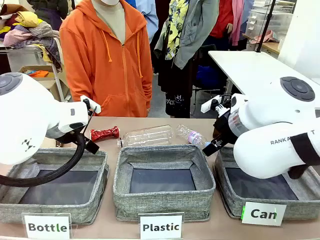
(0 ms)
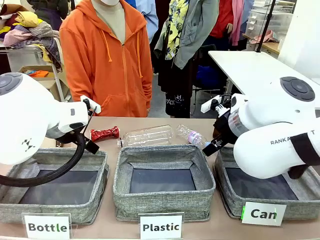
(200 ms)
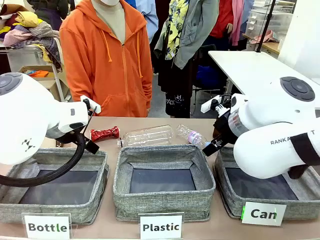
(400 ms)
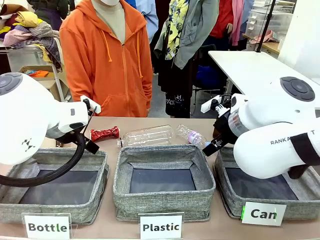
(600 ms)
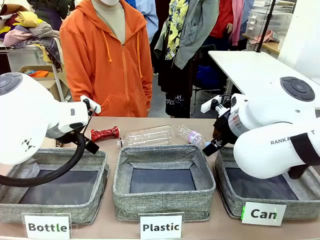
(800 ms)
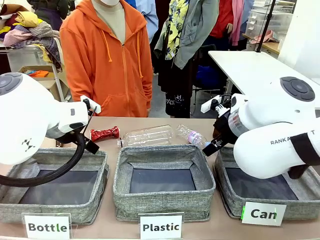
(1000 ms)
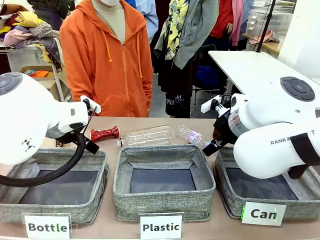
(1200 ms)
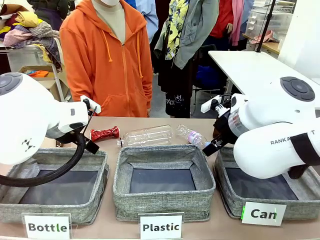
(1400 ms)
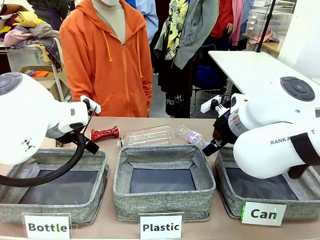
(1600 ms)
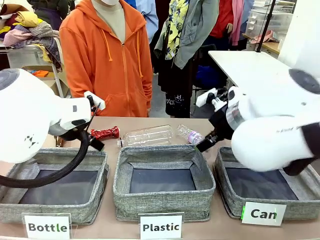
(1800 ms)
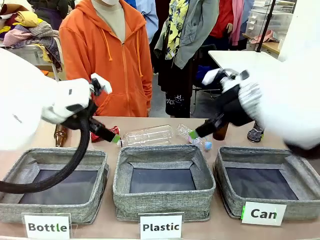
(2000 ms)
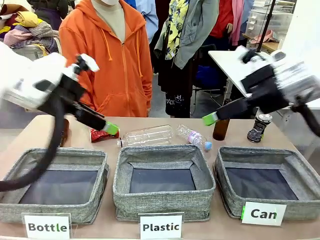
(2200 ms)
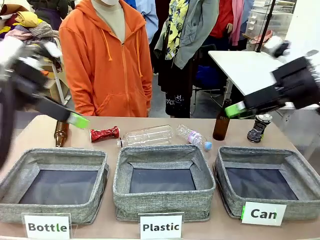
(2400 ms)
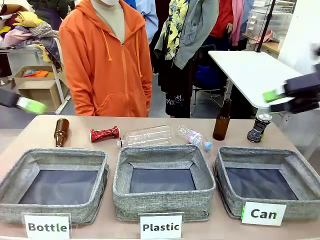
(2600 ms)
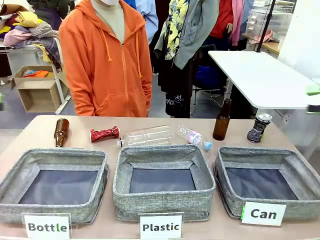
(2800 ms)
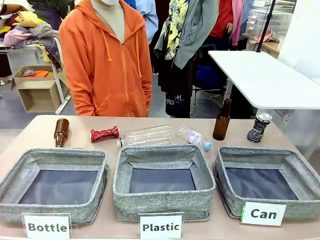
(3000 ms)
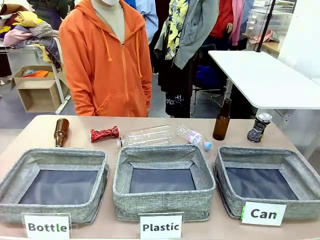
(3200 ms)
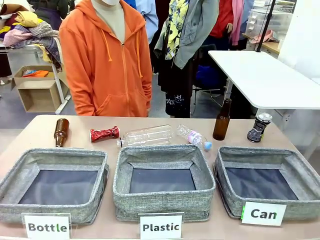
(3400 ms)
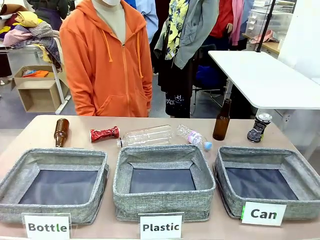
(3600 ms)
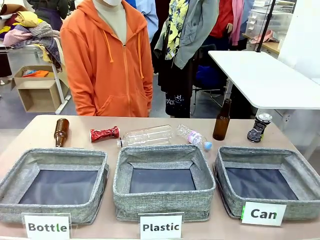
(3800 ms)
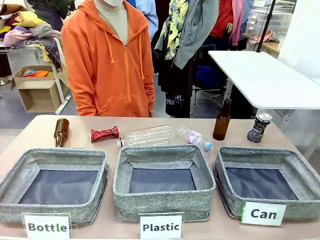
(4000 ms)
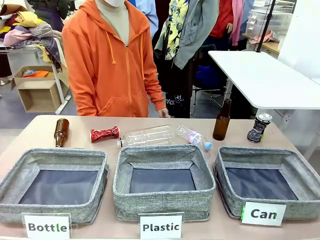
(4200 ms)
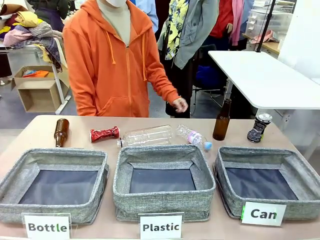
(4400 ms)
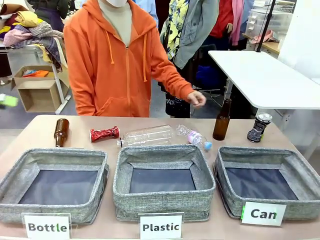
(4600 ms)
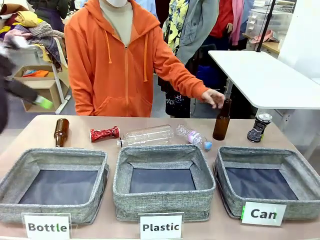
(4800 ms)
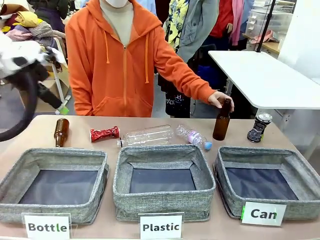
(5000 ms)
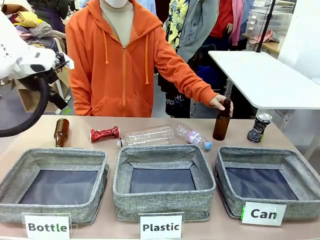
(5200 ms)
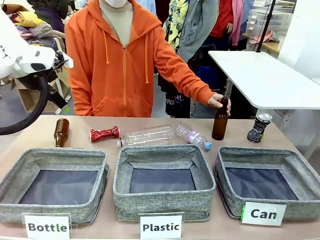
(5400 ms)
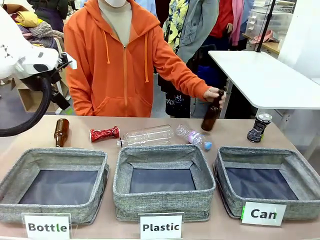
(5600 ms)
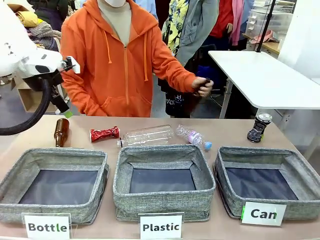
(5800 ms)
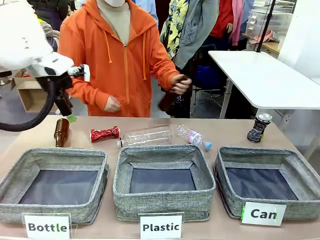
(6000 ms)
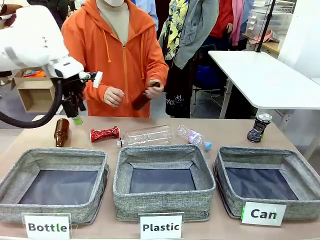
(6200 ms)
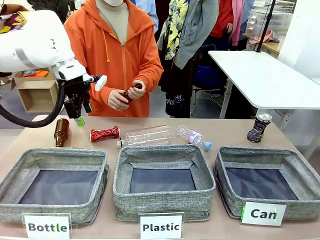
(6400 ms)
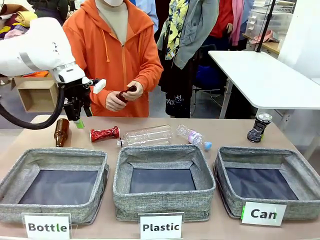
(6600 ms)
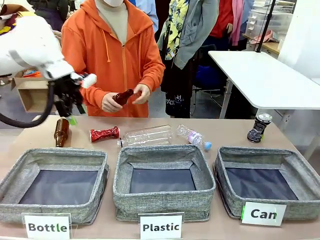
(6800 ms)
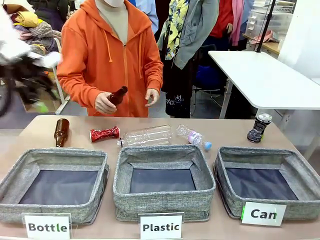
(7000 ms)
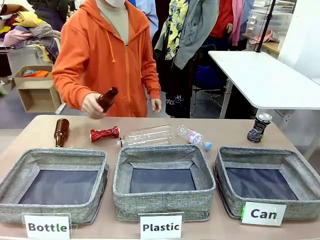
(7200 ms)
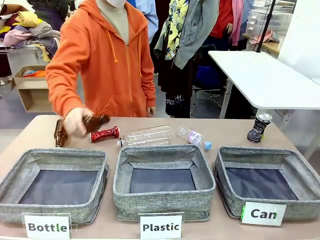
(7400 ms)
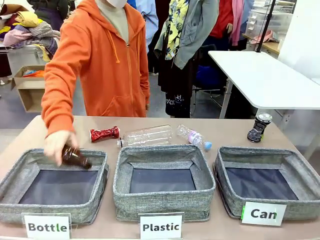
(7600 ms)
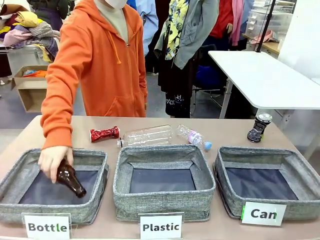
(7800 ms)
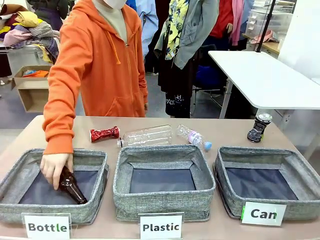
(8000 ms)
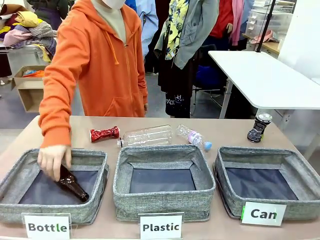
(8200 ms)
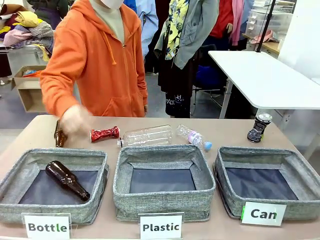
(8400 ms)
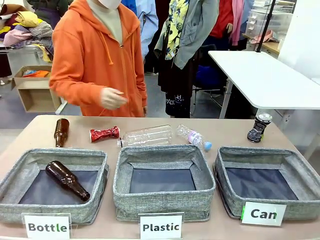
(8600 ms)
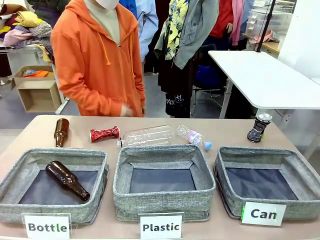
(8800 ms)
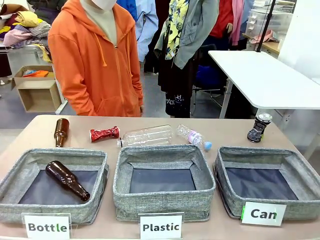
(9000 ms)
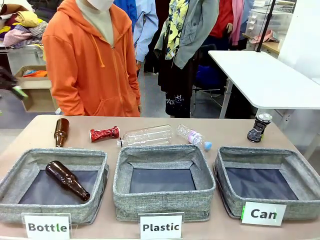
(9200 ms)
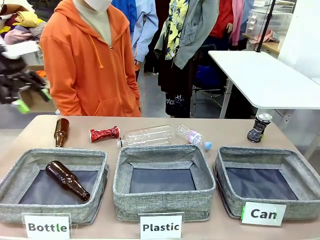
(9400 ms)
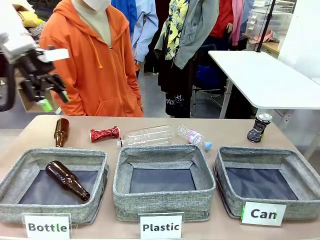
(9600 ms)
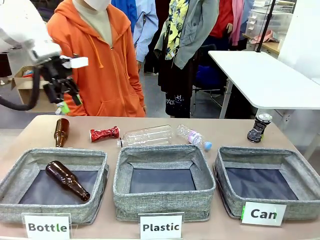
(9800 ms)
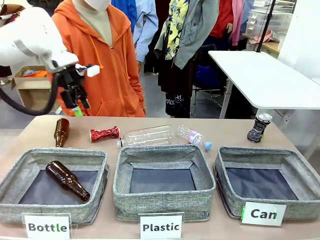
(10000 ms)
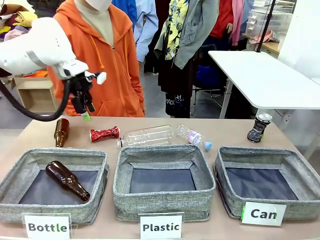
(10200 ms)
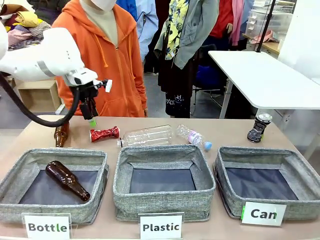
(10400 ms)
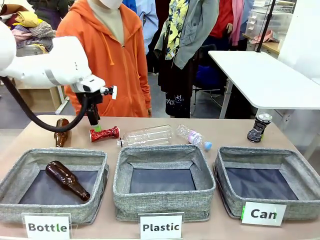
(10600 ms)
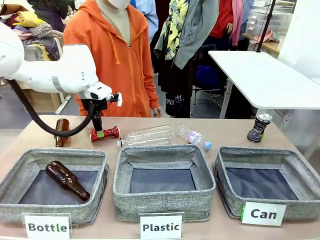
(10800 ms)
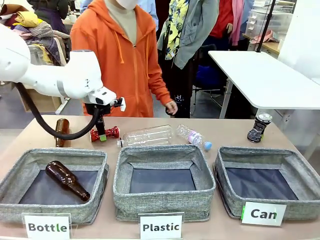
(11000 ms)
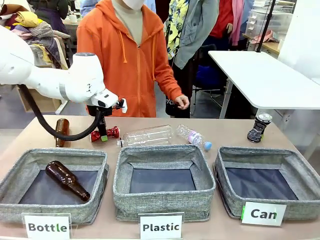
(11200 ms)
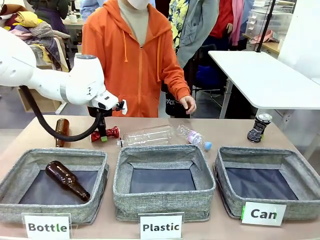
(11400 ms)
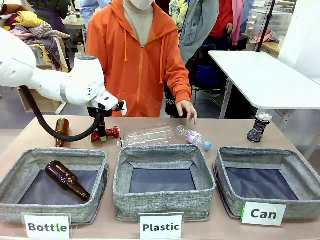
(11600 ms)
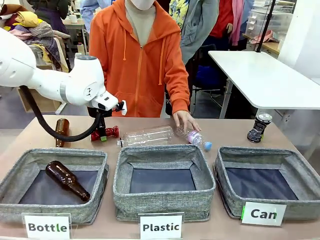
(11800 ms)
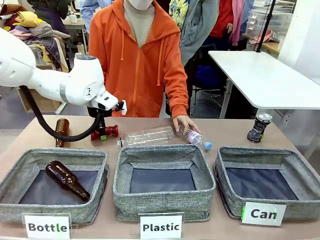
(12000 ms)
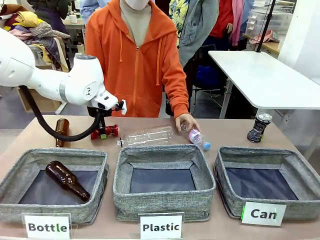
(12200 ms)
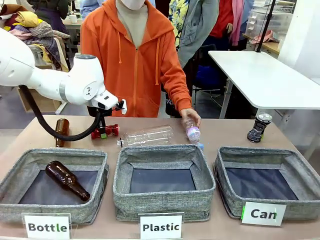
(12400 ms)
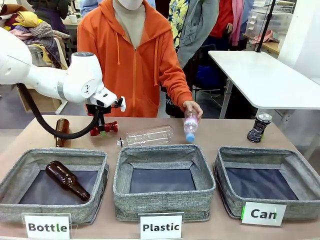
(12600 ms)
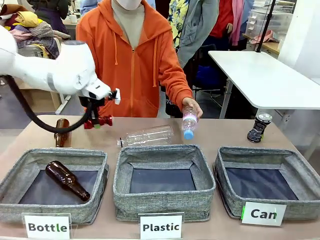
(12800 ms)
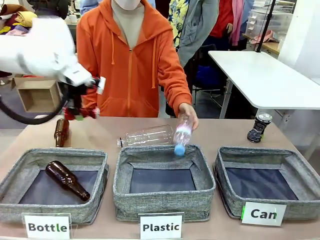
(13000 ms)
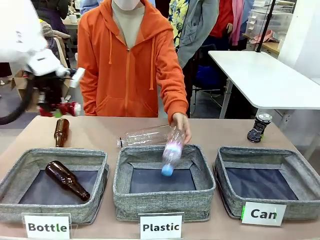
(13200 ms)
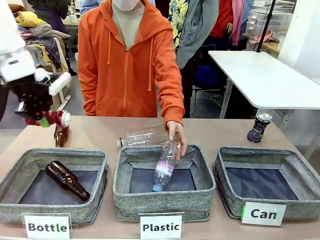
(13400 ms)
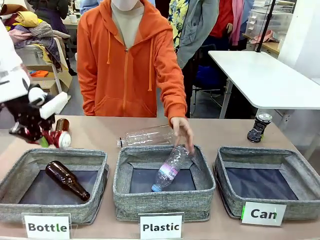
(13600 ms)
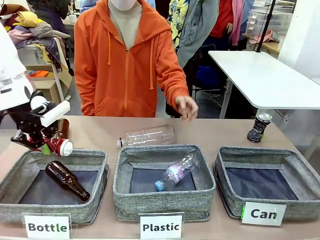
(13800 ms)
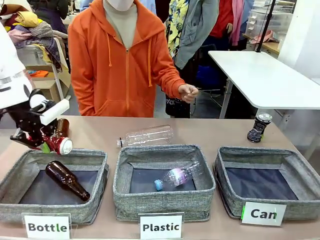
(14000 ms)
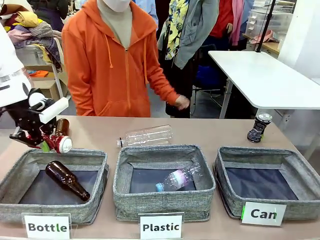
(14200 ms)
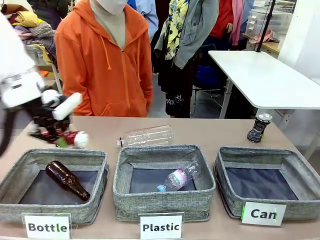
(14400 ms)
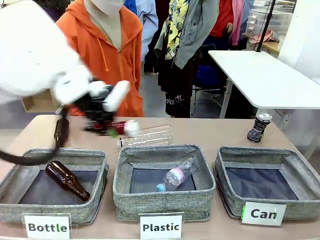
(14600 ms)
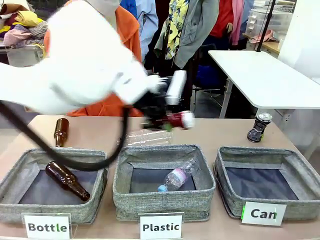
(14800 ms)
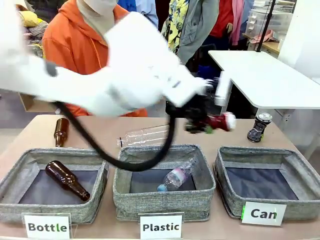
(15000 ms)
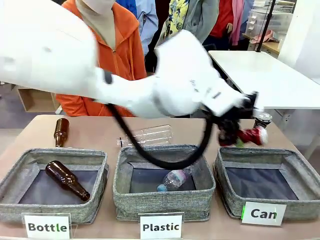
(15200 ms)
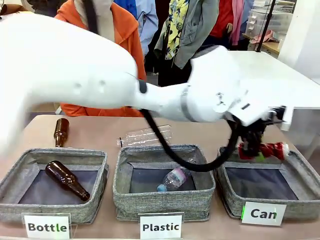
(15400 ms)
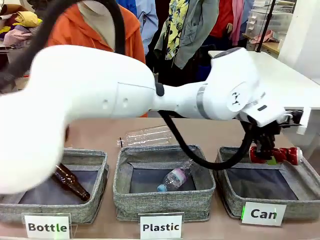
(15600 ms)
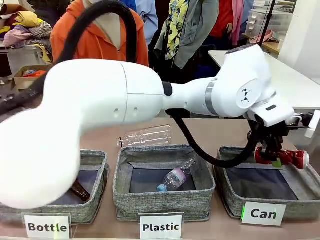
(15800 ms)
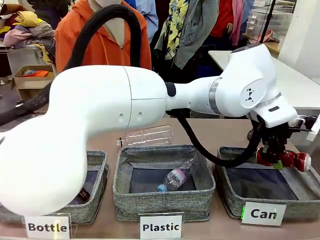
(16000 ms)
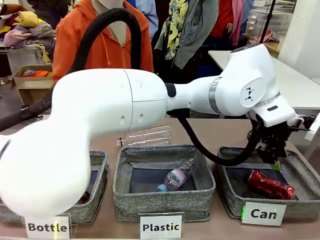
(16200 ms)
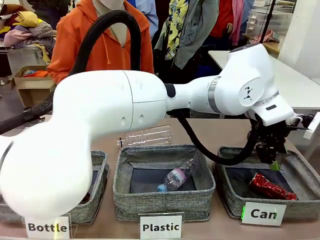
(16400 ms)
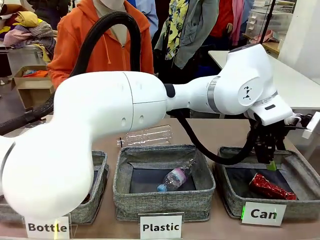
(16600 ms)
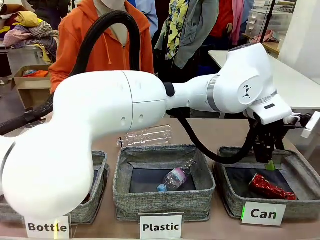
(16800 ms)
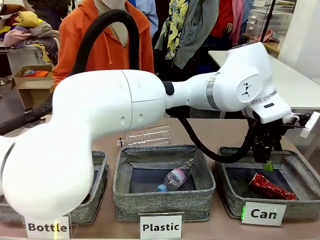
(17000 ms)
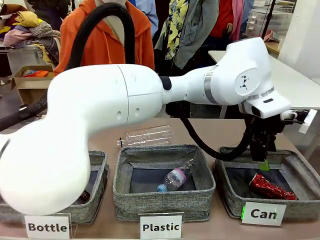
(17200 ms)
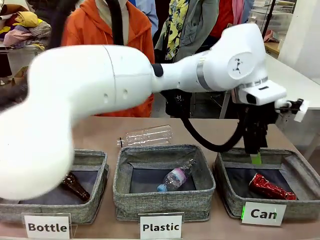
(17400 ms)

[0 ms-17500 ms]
Task: Sort the can waste into the basket.
Robot: Pick up the can waste from the table and place it in the right Fabric basket.
